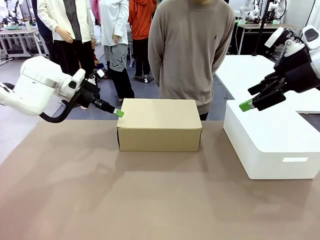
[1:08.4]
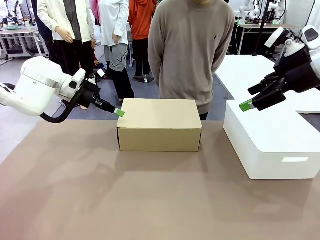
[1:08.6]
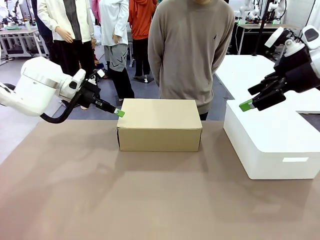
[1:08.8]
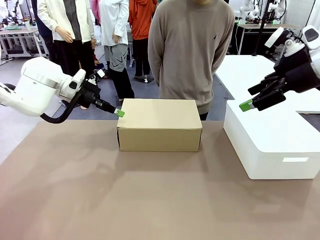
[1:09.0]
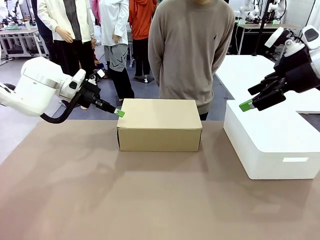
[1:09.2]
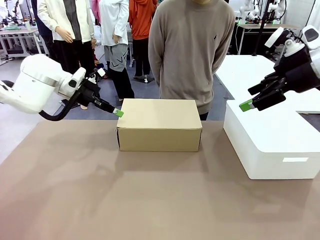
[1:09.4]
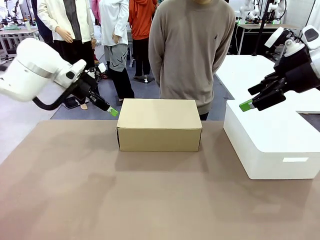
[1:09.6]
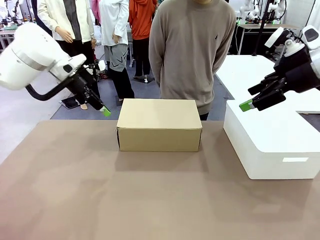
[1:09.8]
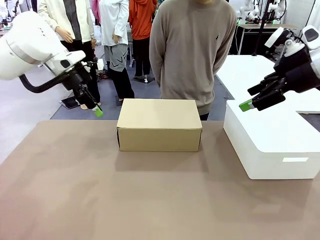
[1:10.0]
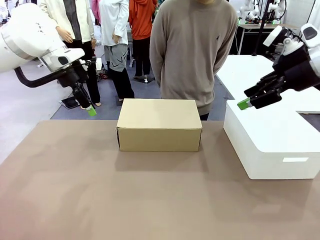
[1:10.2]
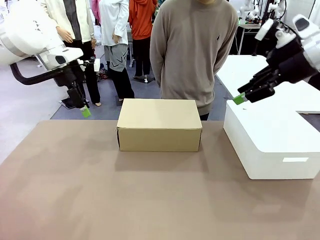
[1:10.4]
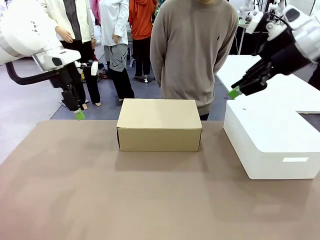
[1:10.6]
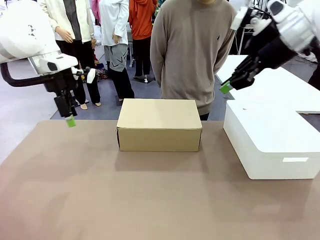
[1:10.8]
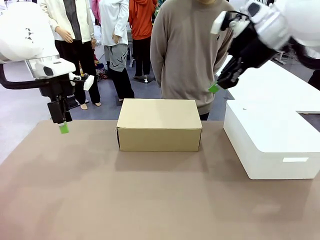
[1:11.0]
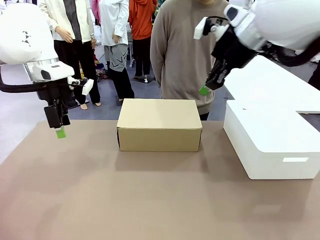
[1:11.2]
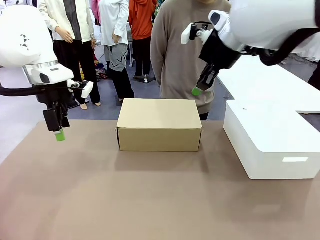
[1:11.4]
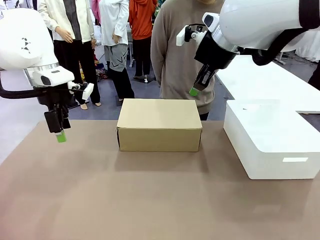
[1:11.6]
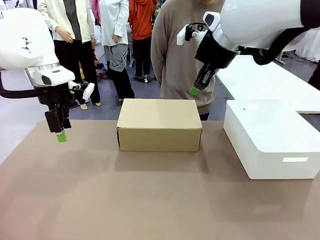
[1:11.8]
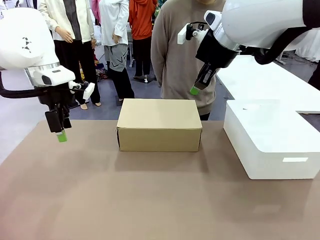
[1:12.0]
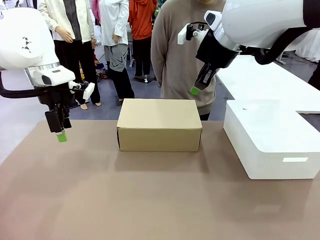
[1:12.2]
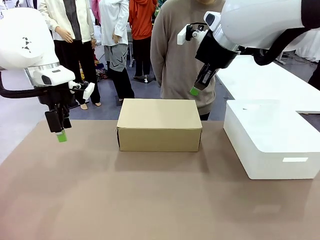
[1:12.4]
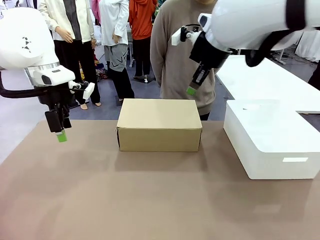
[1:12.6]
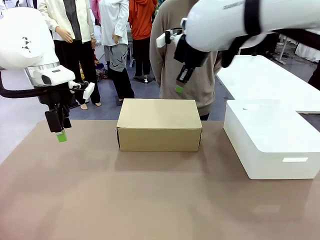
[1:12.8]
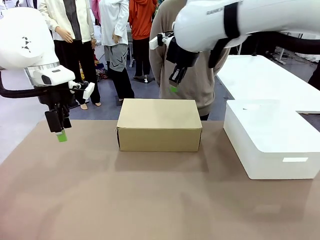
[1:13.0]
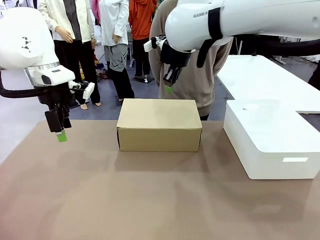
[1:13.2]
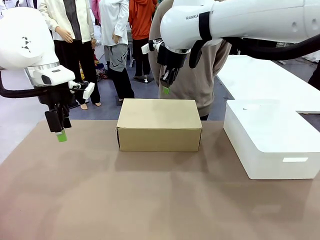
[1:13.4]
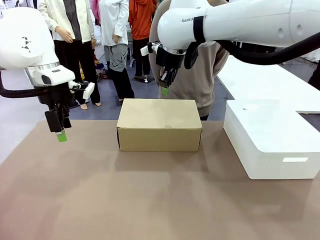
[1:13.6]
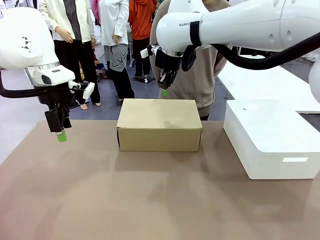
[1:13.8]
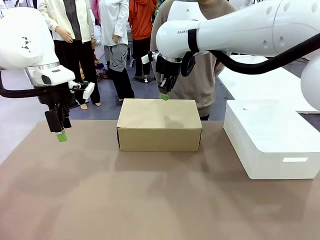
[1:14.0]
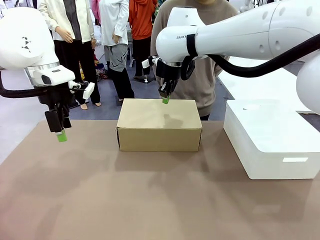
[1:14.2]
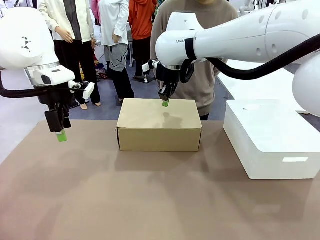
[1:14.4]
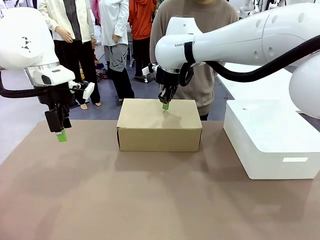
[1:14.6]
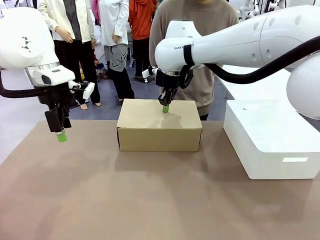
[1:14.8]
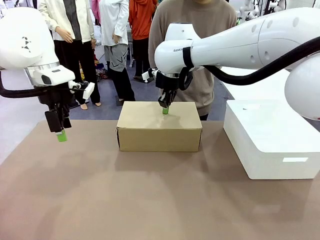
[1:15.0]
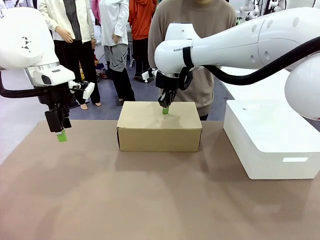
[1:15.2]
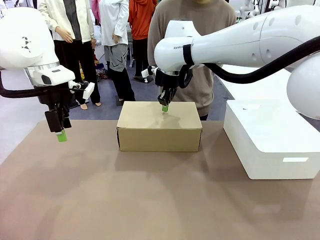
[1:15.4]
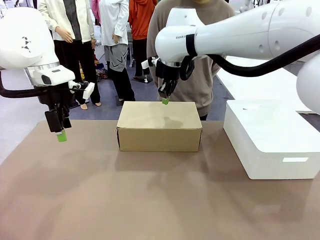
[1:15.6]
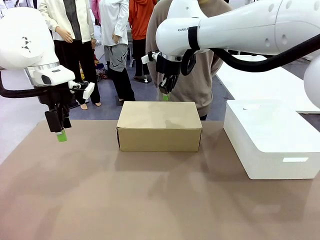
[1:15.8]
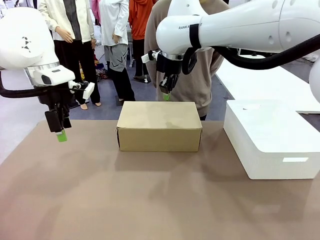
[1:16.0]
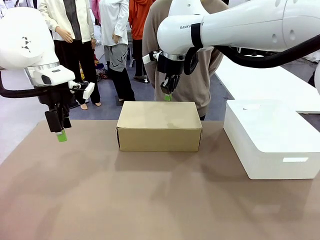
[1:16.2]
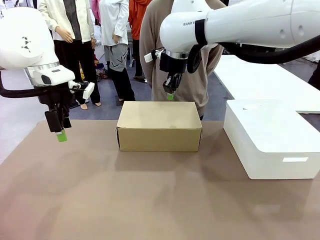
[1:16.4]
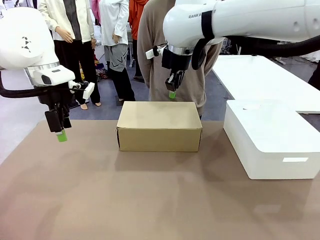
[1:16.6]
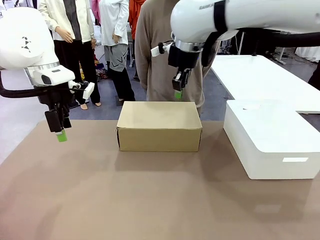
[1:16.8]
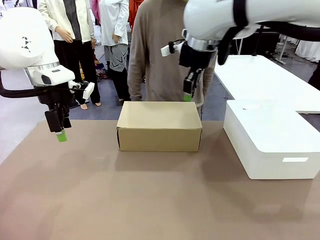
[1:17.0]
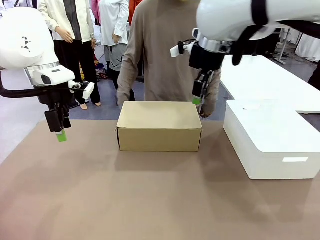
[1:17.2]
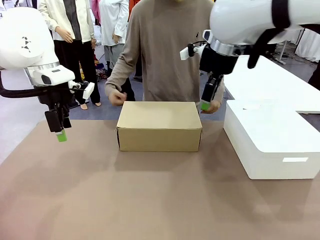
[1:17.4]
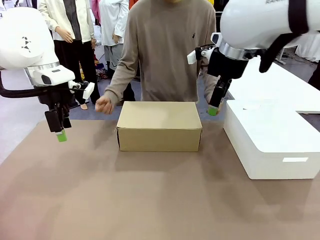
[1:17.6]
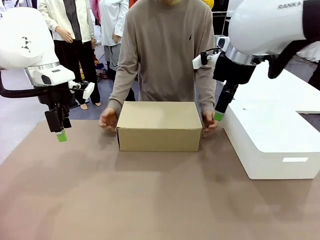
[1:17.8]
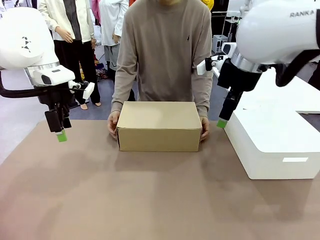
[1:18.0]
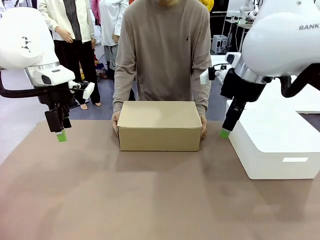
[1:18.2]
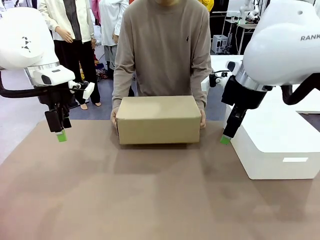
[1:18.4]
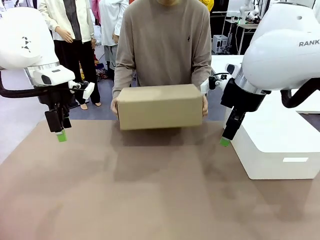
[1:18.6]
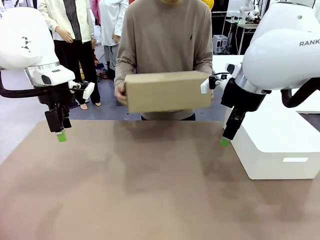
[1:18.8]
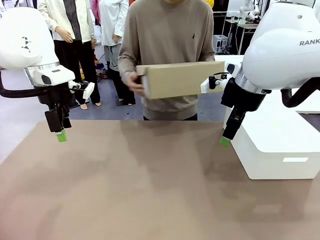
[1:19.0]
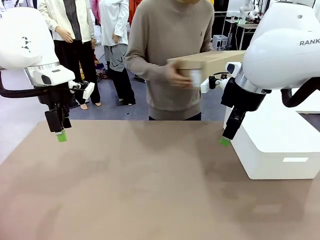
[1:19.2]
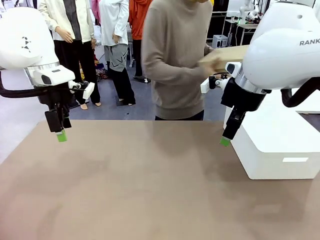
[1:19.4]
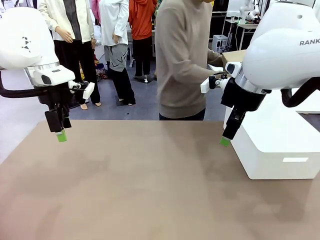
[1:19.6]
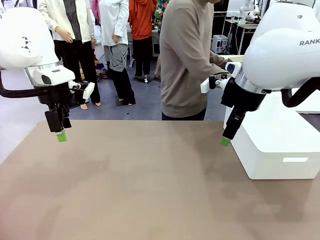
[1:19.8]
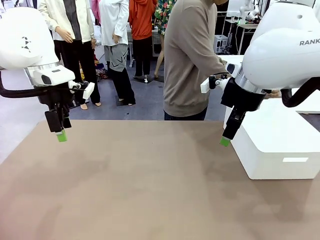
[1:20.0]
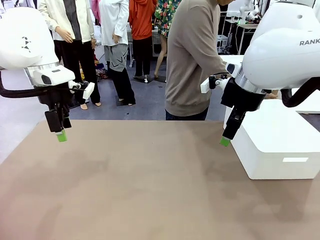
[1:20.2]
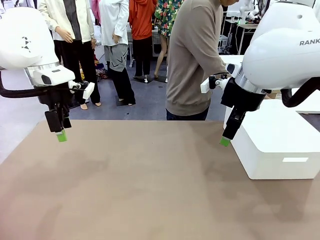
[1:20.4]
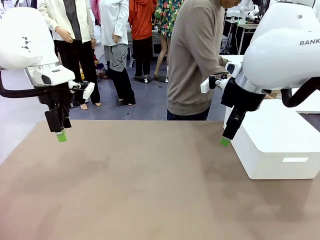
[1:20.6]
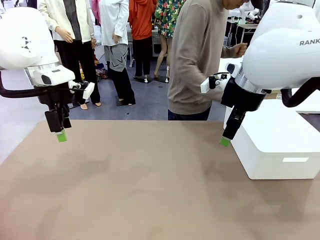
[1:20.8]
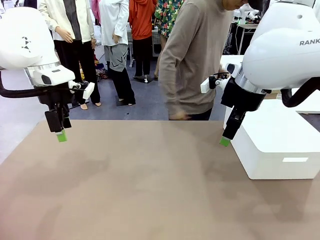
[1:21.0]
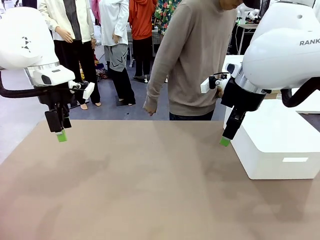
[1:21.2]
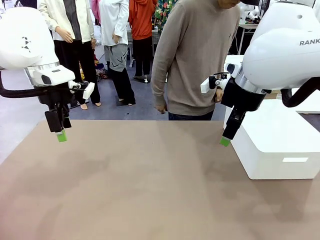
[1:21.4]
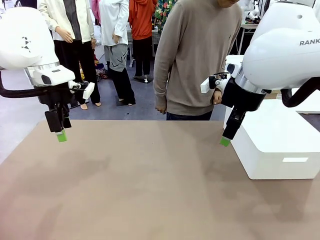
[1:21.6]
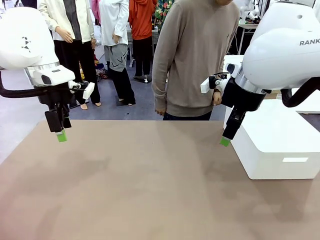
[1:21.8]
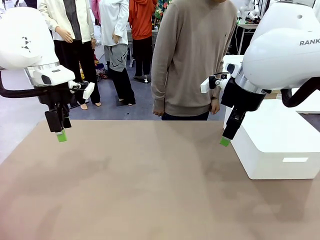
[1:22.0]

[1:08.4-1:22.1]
Task: Pack the shoes into the box.
Robot: Press down on the lid of the Shoes Box.
Person: Place the closed Shoes Box to the right side of the human table.

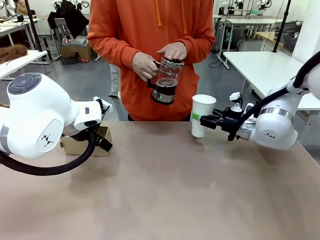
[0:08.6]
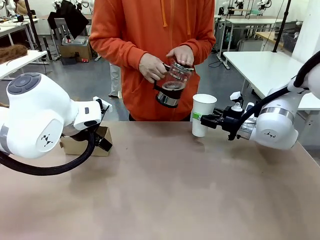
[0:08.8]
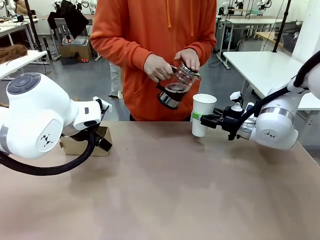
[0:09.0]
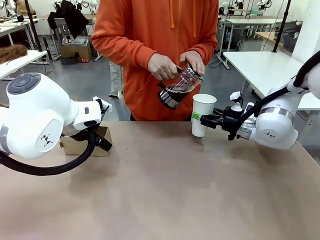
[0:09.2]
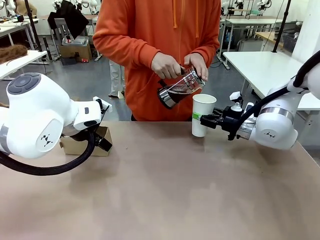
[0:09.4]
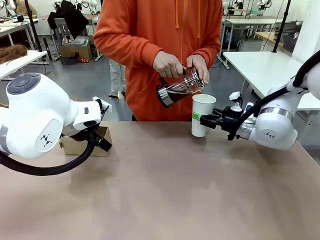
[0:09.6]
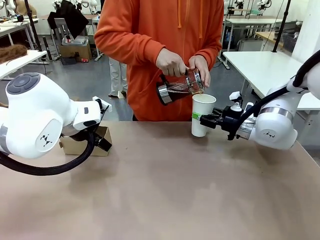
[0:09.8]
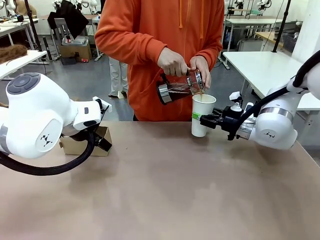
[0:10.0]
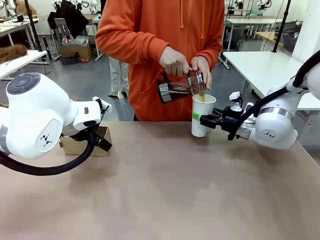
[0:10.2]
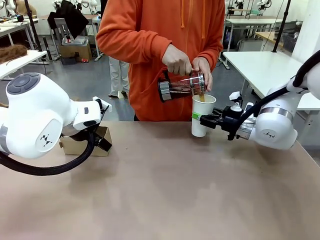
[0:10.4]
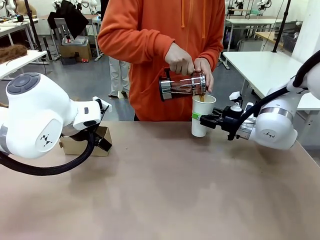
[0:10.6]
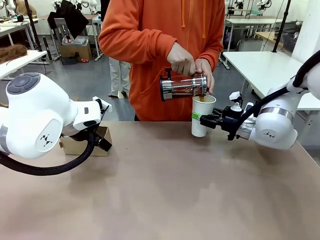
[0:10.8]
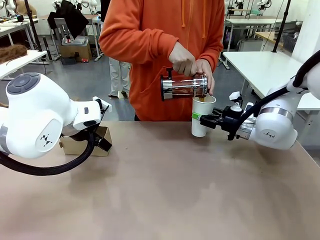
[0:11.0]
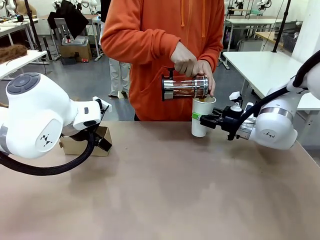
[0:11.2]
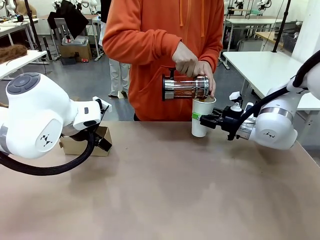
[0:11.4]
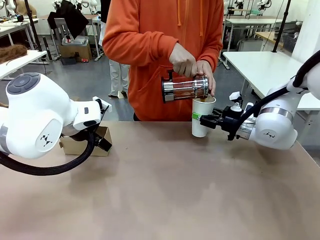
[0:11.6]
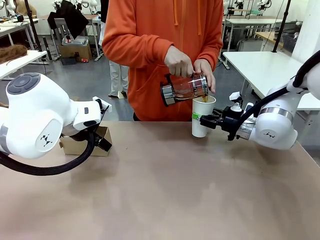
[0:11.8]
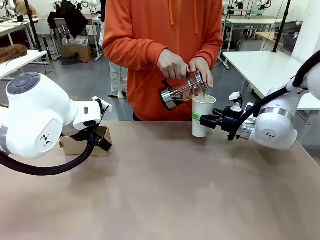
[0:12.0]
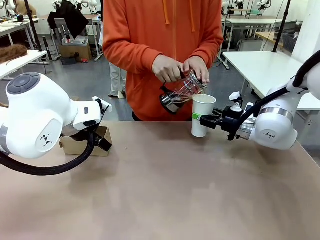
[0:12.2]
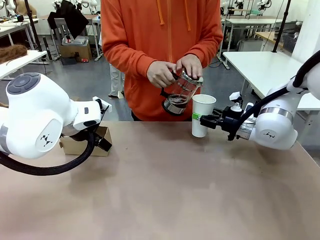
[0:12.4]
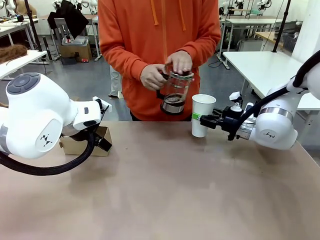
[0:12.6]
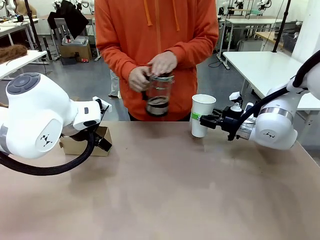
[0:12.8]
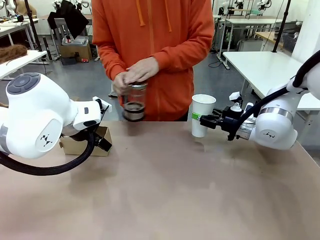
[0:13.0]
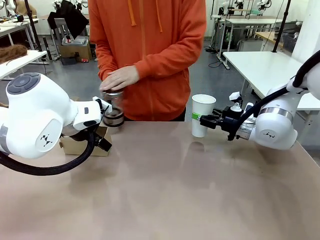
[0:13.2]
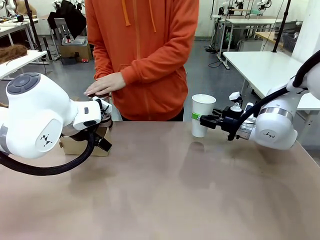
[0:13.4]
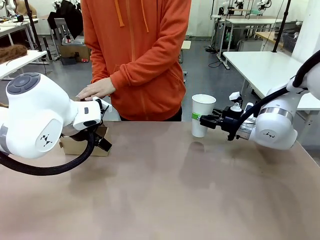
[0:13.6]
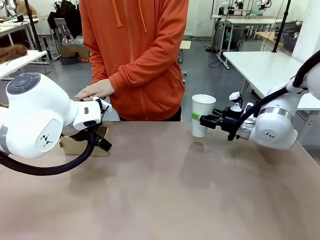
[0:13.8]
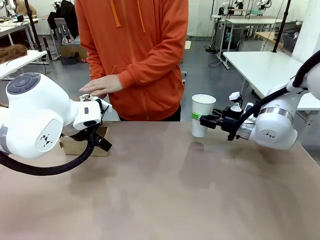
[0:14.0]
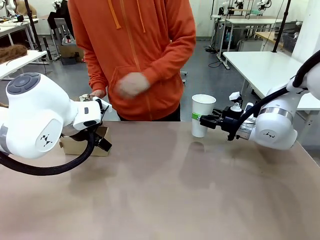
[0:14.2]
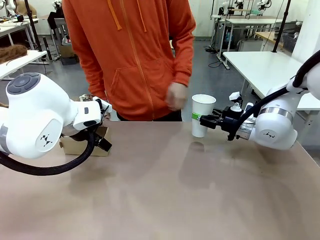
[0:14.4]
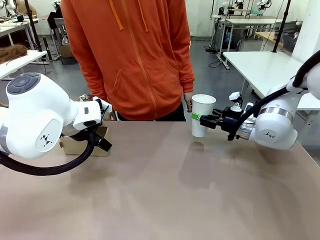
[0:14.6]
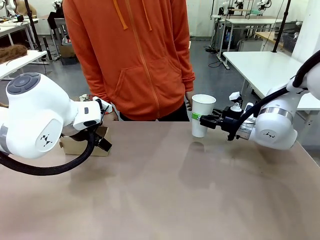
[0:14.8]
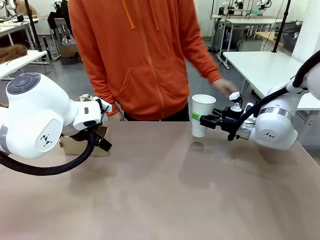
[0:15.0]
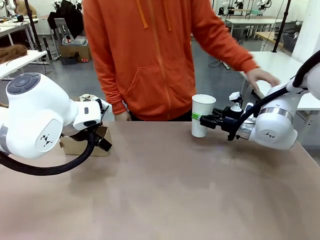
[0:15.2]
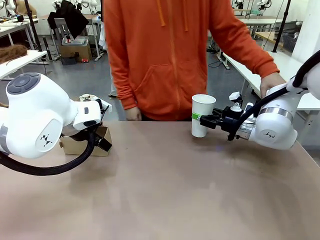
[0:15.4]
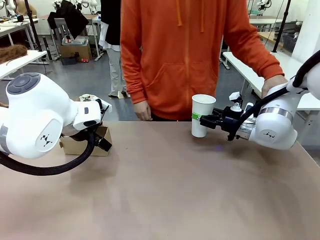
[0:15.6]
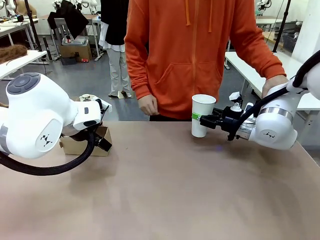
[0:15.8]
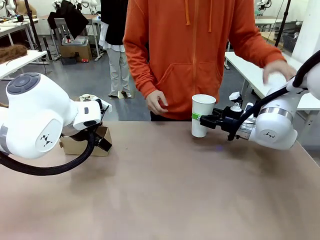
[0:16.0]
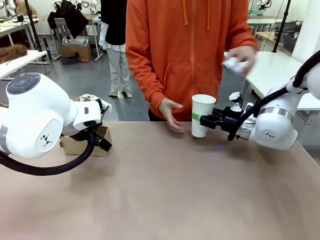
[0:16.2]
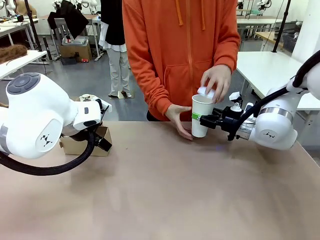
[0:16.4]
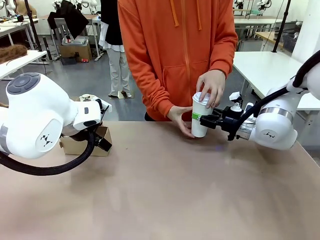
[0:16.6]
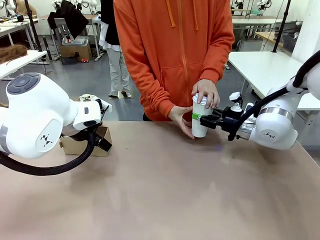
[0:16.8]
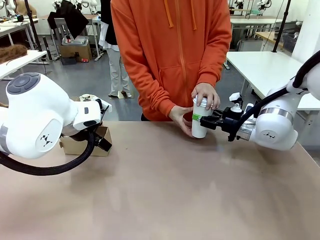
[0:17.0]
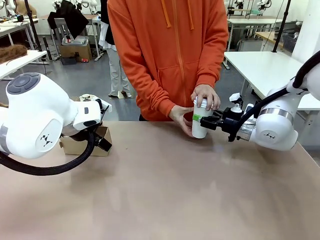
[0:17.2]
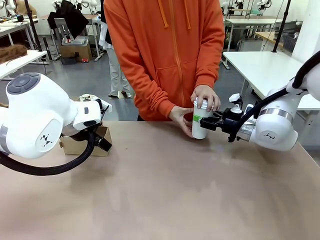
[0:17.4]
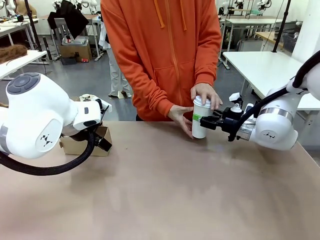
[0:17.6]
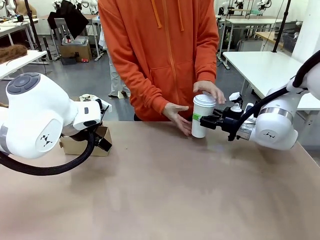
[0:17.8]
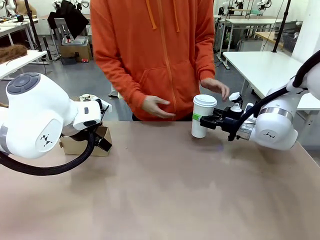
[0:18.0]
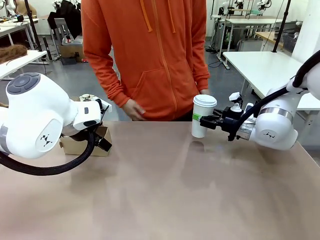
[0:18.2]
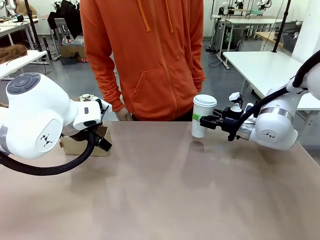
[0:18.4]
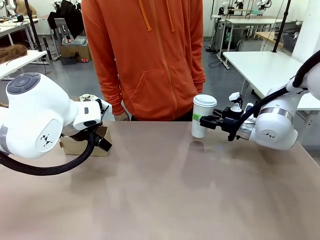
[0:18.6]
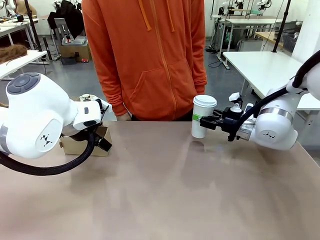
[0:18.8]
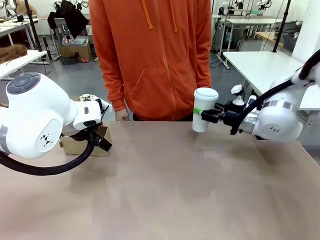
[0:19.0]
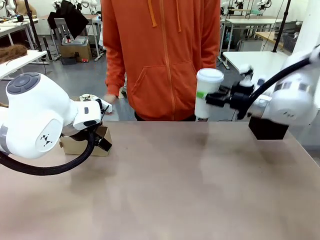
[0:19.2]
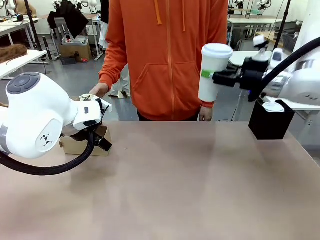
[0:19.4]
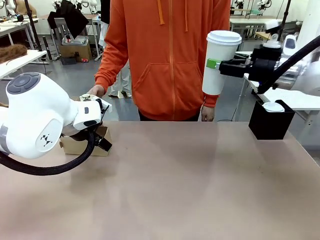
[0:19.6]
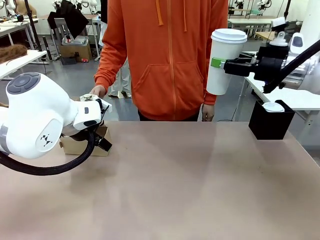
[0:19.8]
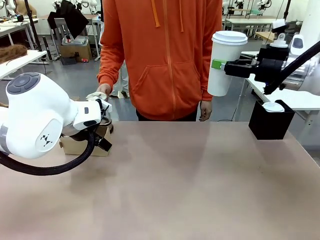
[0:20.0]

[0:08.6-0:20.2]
Task: Pour a drink into a cup and package it in a carrier.
Robot: When a person places the Paper Cup Lid on the 600 ml Paper Cup , lift the 600 ml Paper Cup.
Person: Pour the drink from the Filter Brewing into the 600 ml Paper Cup. Place a Paper Cup Lid on the 600 ml Paper Cup.
